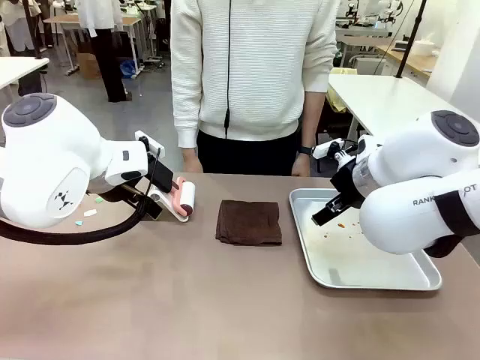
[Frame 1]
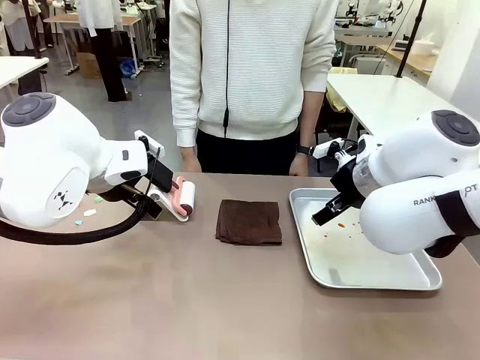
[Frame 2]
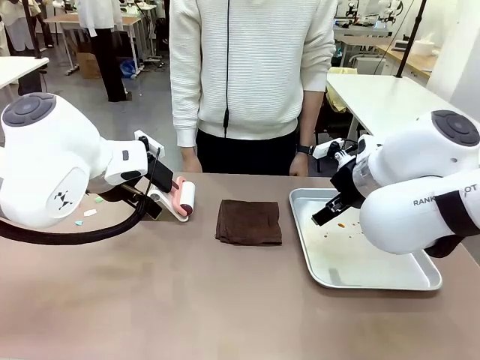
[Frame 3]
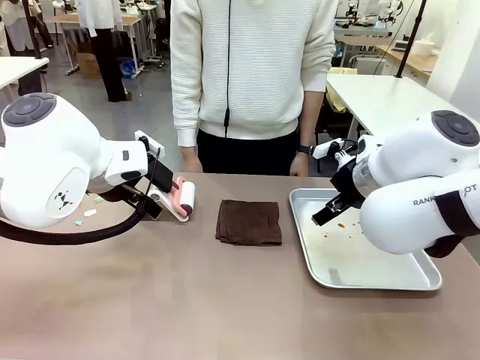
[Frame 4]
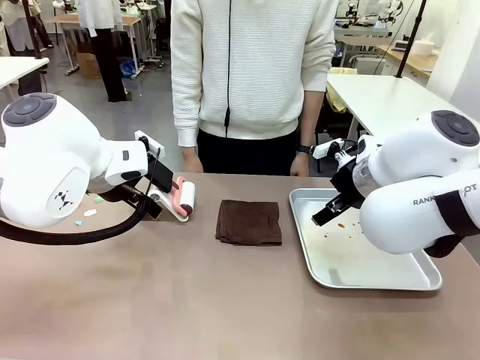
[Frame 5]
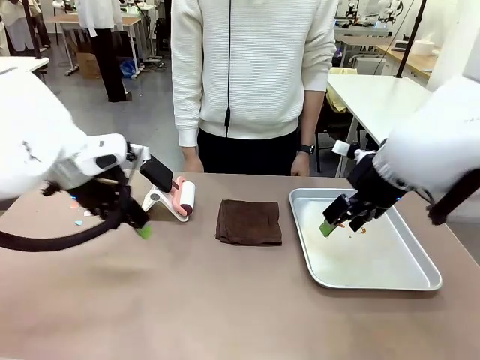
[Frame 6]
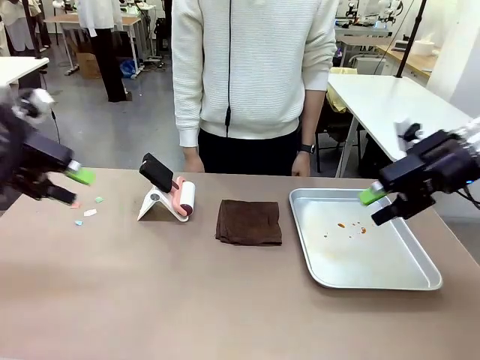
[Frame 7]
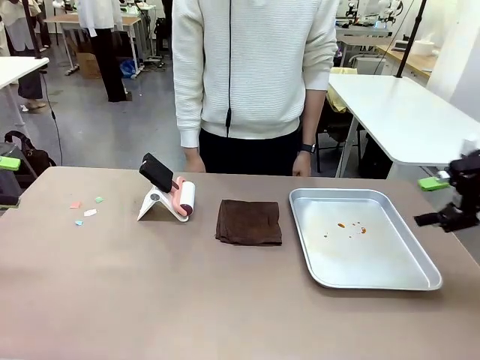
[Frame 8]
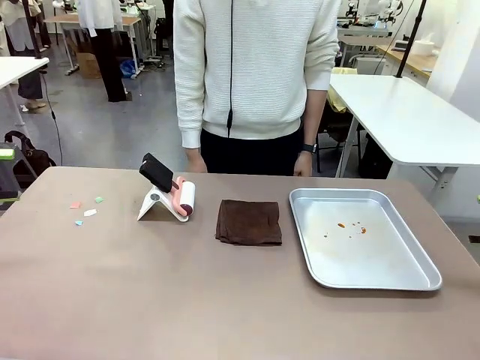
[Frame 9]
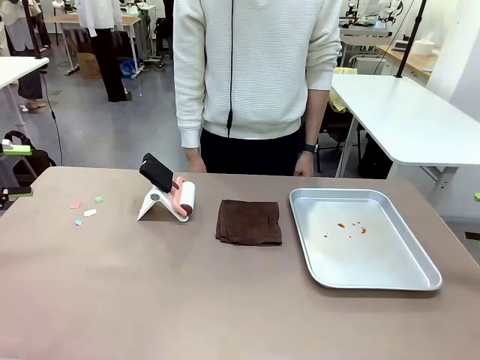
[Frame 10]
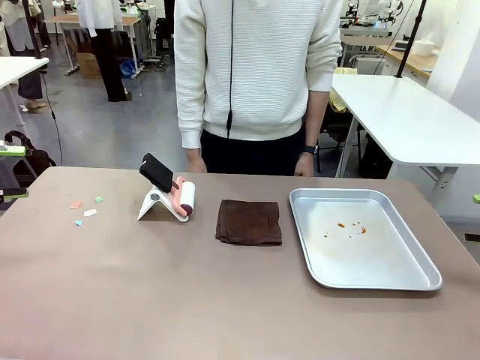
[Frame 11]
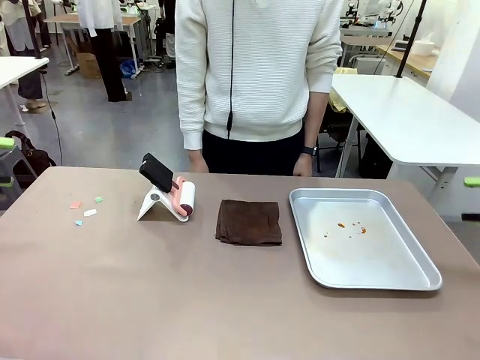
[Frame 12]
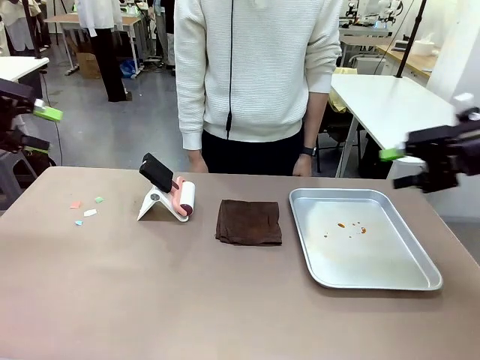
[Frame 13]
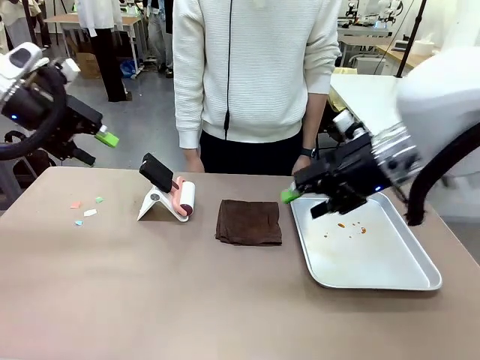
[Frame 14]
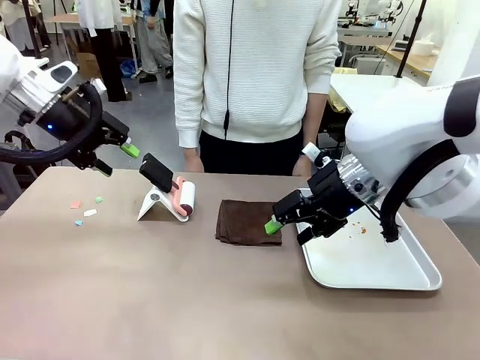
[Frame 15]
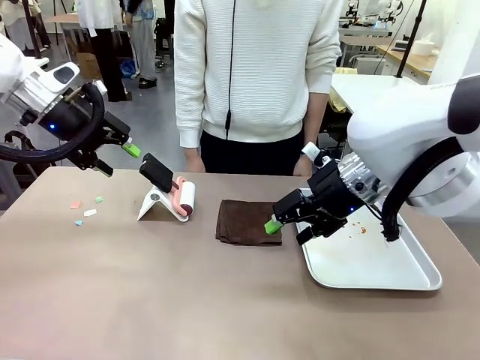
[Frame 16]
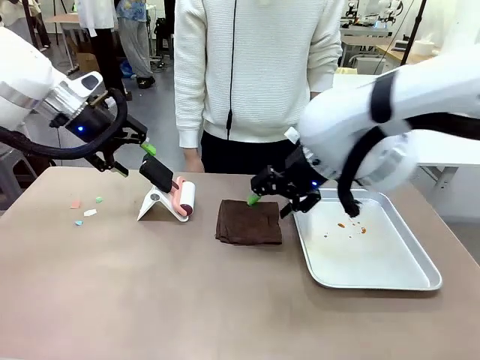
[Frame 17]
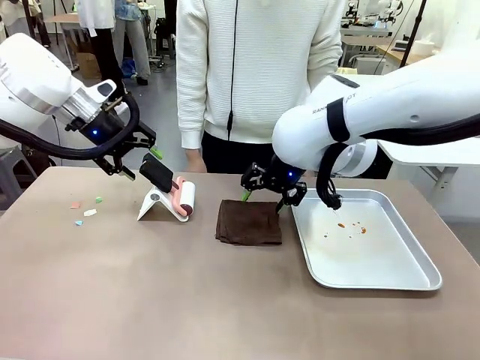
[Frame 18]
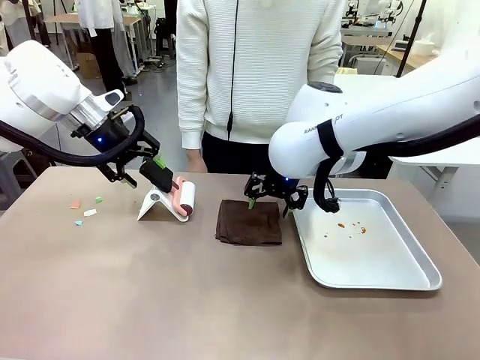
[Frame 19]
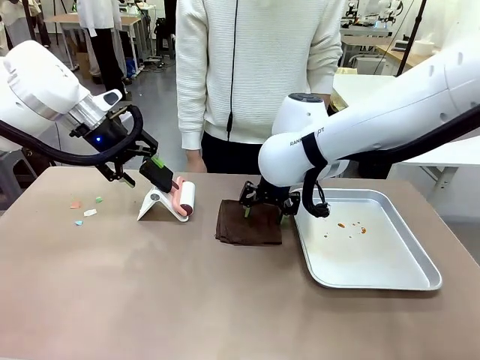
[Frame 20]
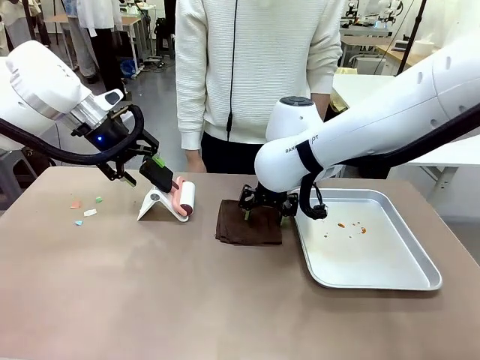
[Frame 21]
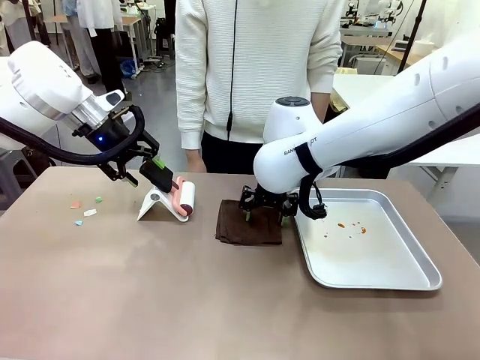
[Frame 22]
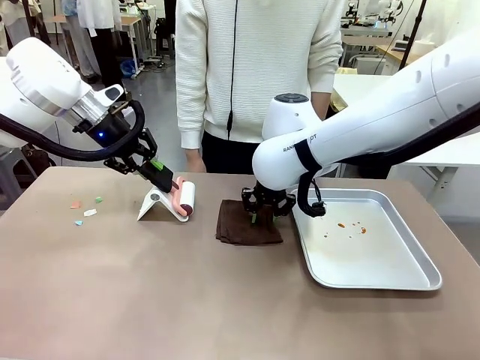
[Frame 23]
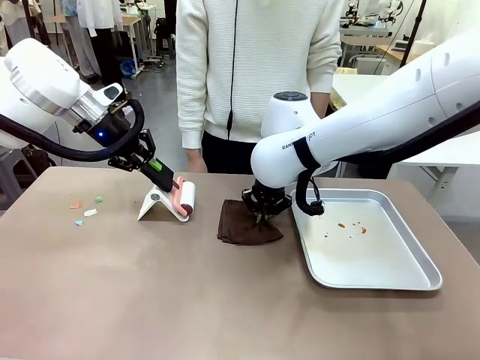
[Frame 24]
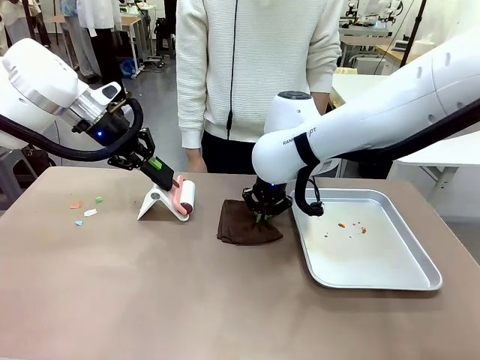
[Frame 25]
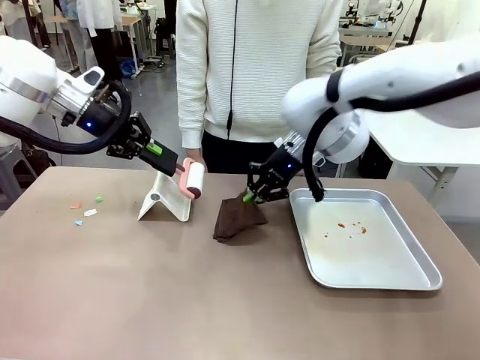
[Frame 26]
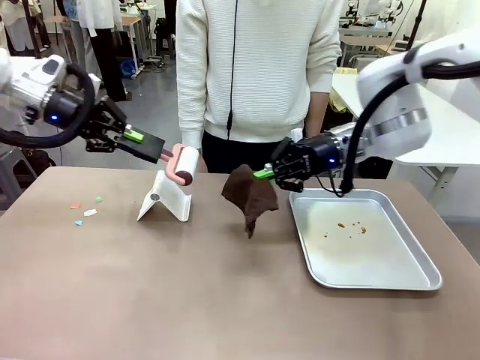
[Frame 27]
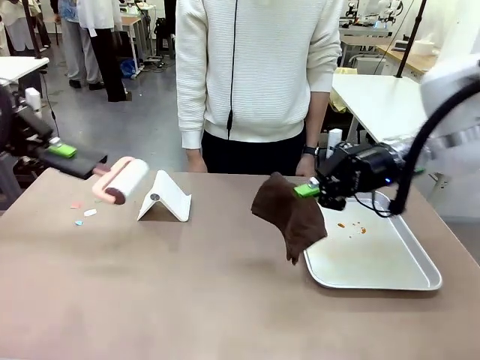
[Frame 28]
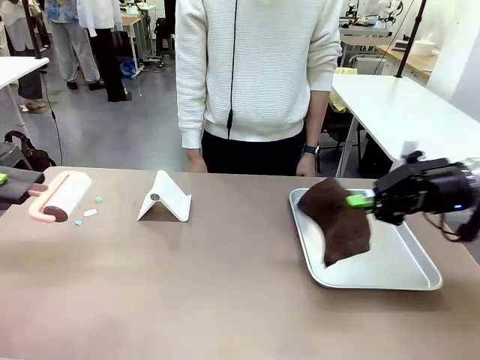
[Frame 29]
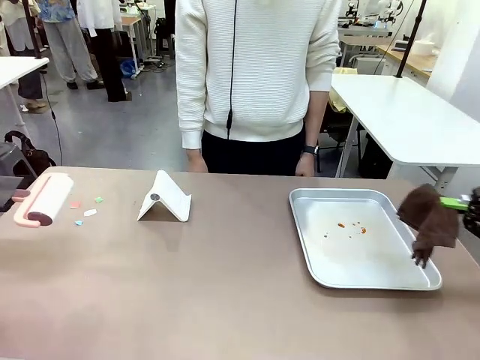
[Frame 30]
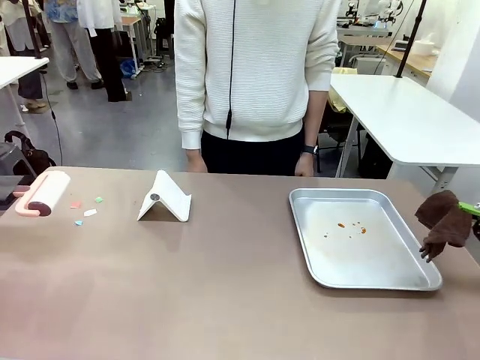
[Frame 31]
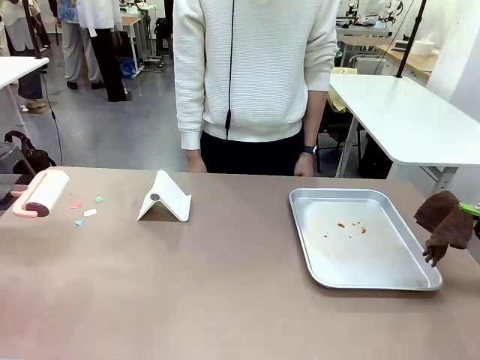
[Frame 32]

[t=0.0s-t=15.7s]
Task: Clean the surface of the table.
Robot: Hold the Lint Roller with your left hand and the towel with your right hand.

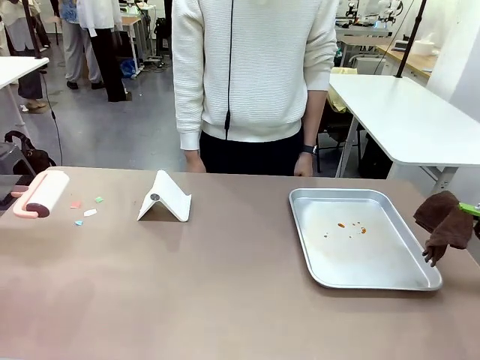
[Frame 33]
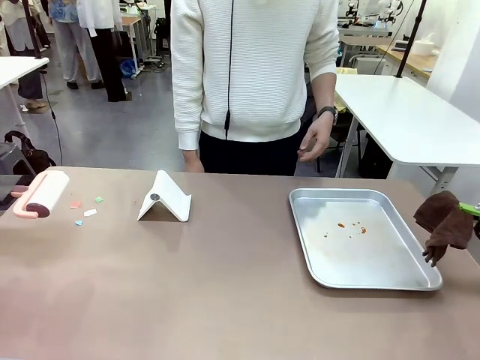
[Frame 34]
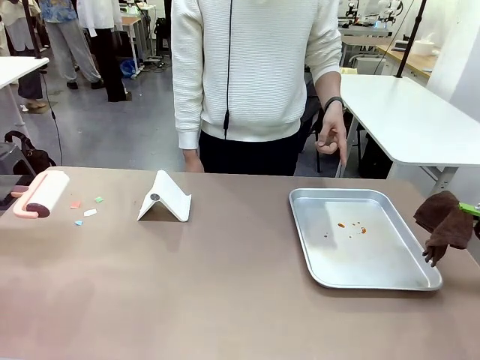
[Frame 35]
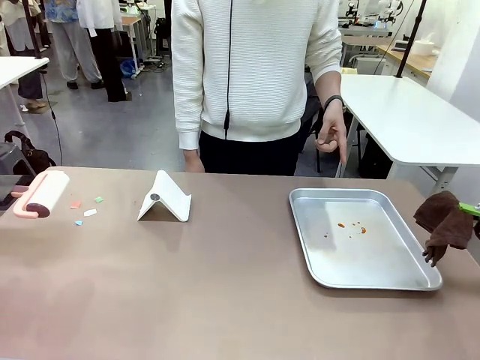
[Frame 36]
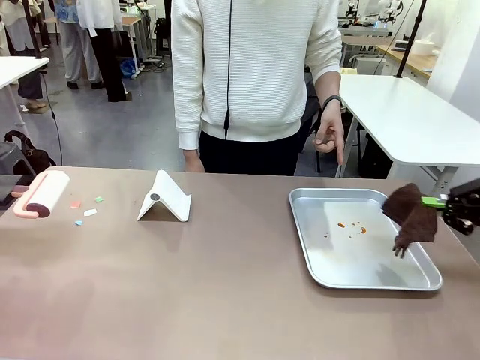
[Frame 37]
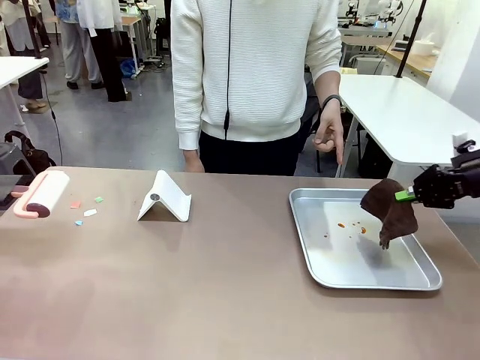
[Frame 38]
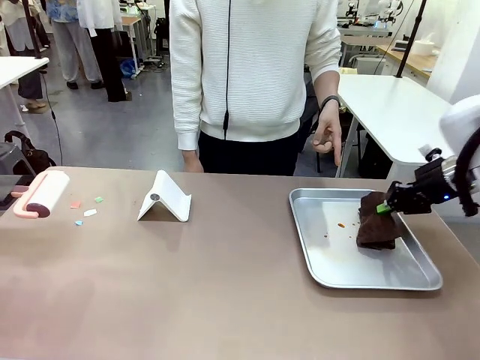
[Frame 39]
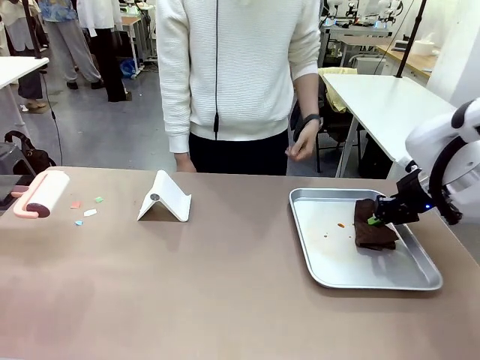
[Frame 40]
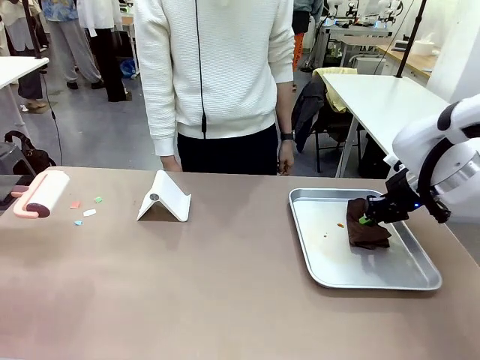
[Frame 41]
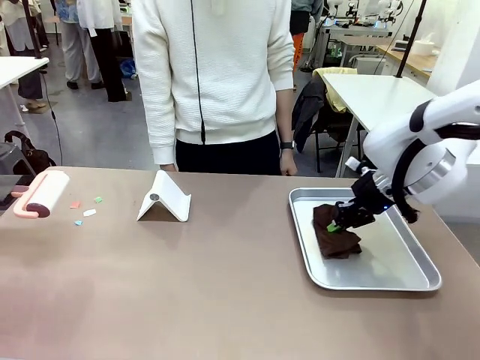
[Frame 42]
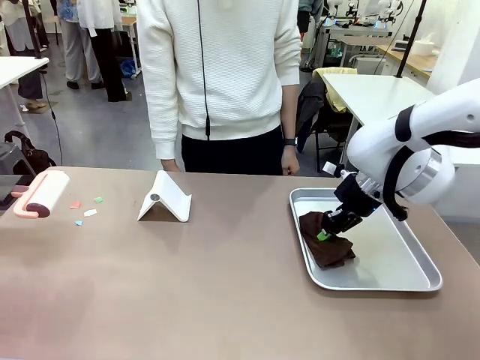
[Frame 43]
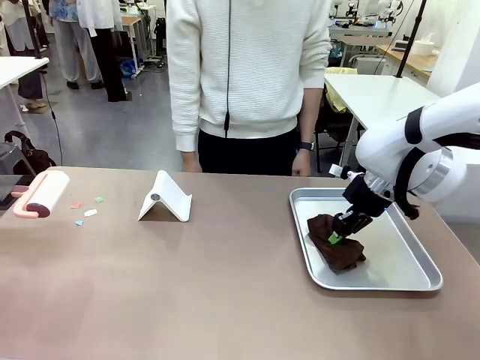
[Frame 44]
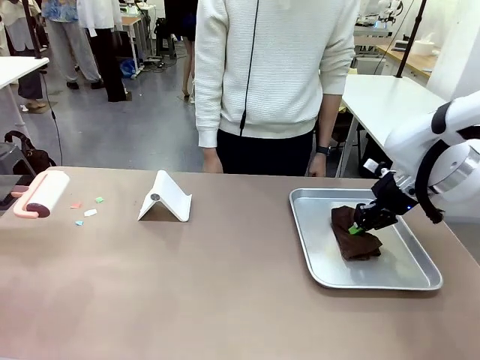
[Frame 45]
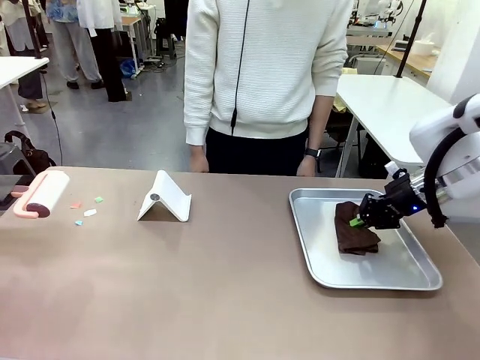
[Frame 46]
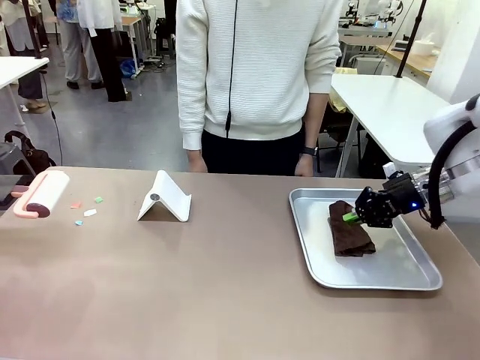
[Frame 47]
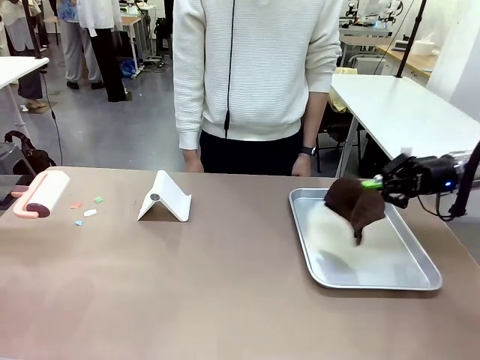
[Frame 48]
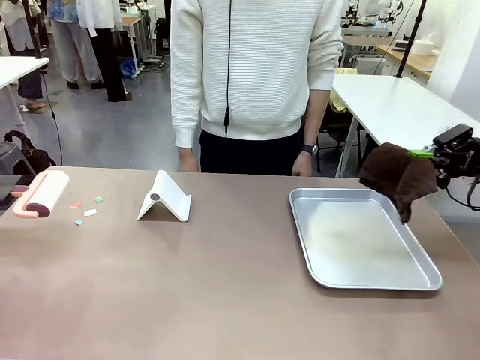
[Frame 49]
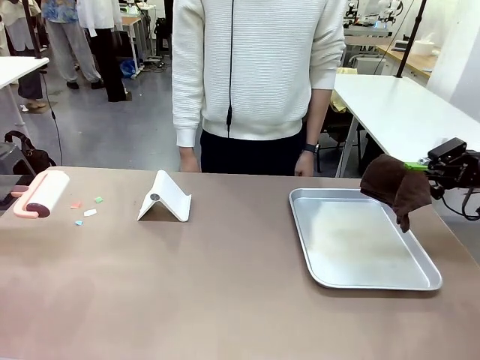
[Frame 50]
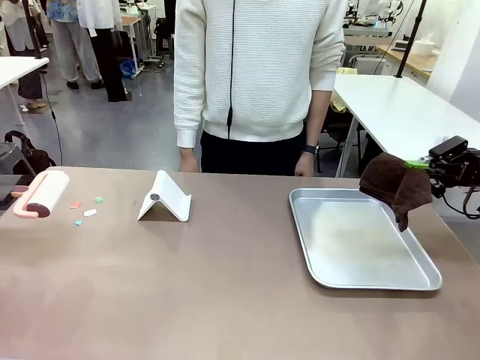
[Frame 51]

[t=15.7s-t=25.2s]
Robot: If a person points to the right, clean the right side of the table with your right hand, and if they point to the left, clean the left side with your left hand.
